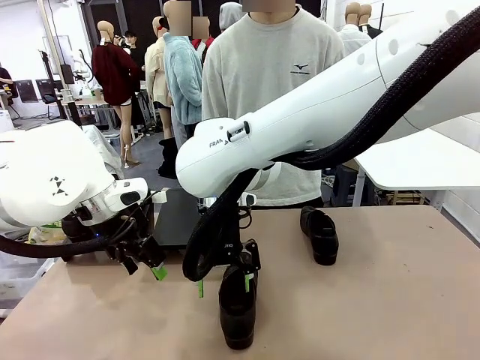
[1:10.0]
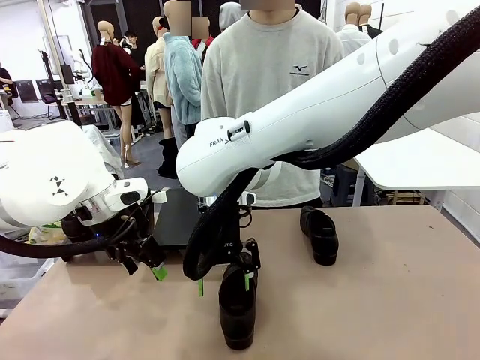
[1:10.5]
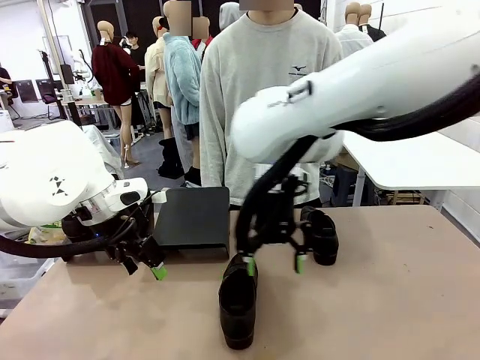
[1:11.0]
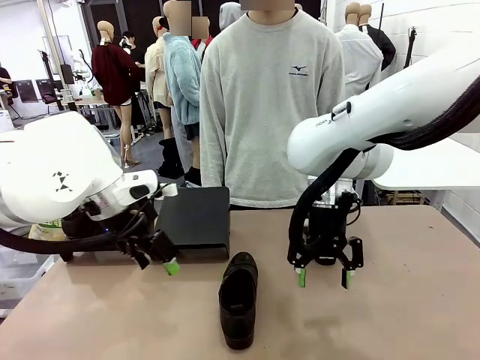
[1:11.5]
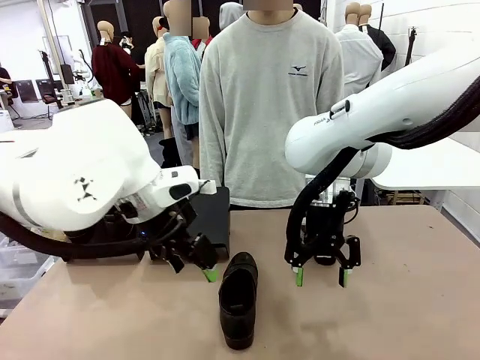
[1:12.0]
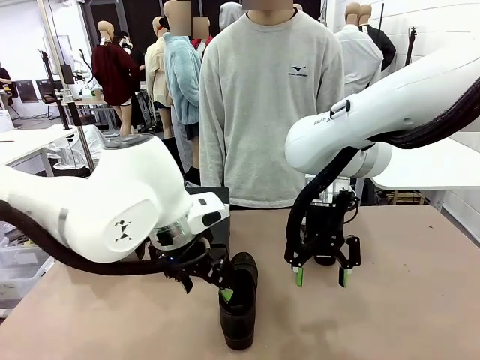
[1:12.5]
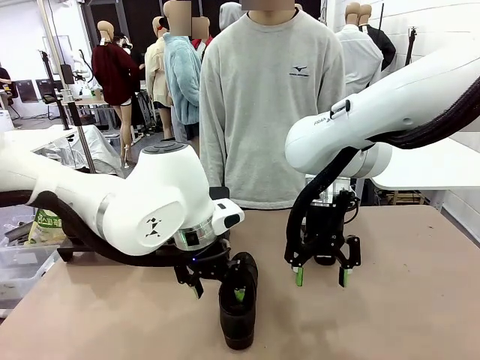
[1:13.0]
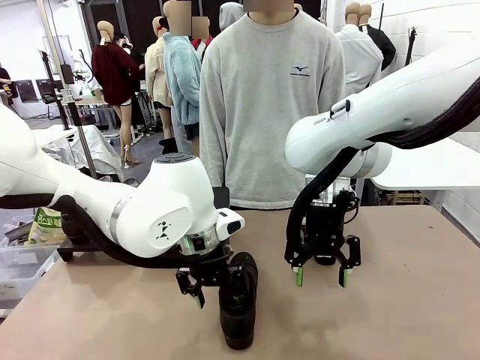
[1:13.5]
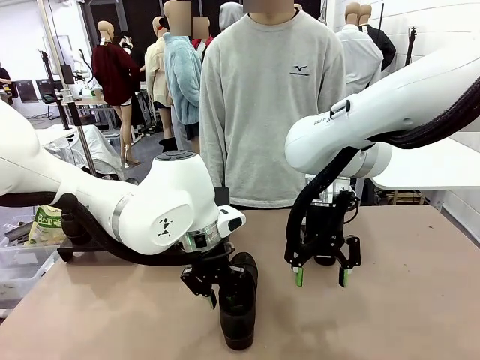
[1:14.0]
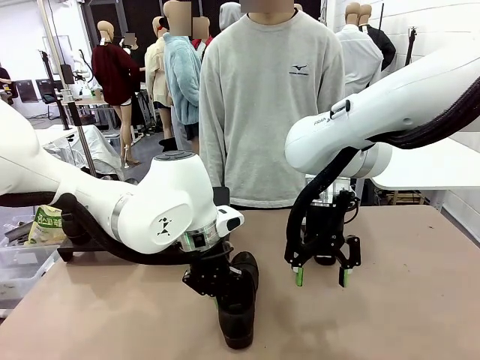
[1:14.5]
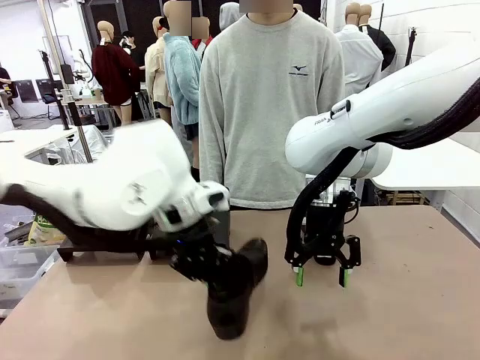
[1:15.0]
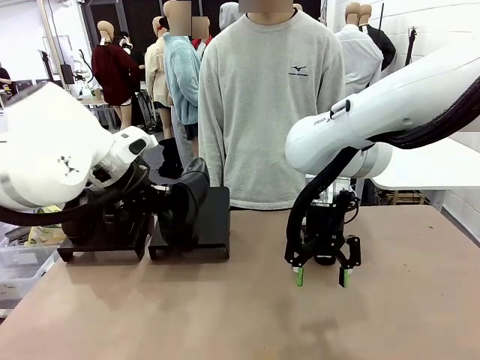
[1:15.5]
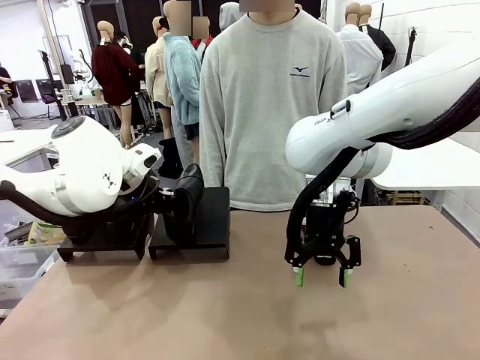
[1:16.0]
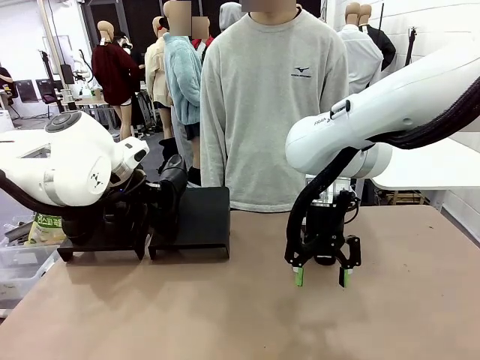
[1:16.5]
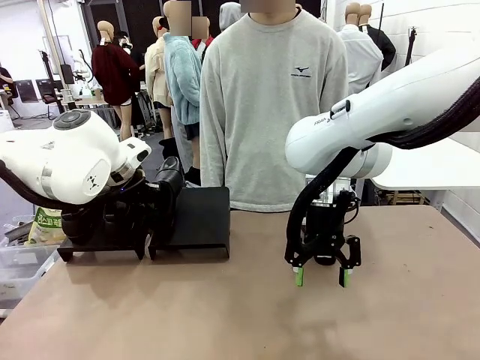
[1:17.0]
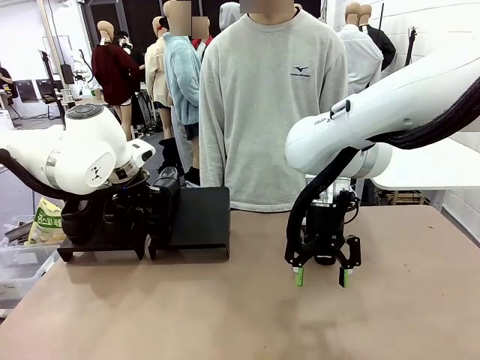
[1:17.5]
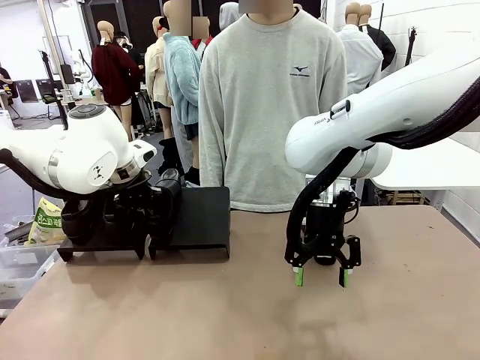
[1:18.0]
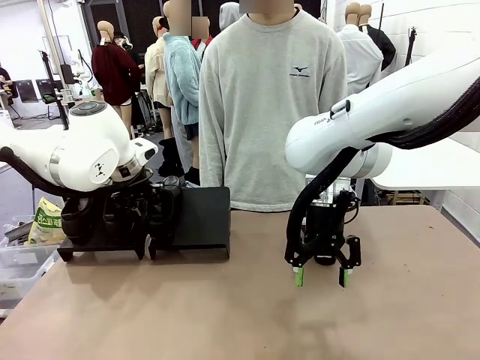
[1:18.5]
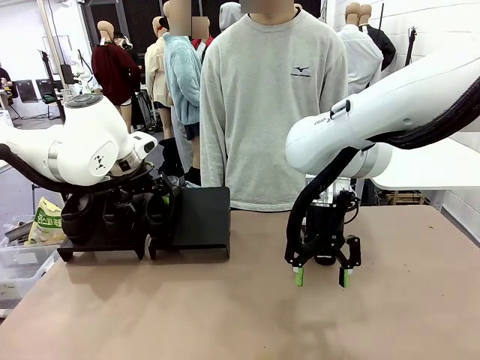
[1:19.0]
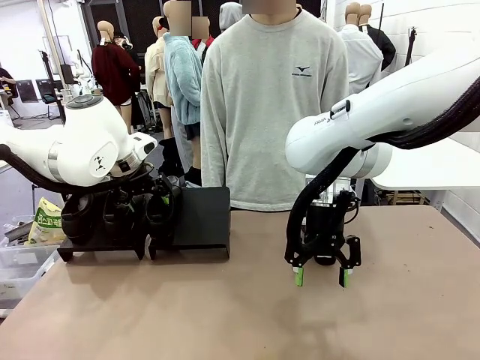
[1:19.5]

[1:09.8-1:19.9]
Task: Organize the shoes by placing them on the stand.
Robot: Place the Shoe from the middle of the table onto the Shoes Stand.

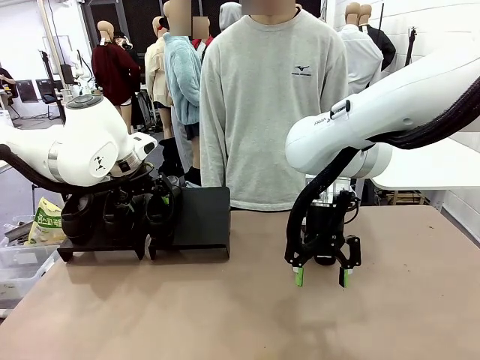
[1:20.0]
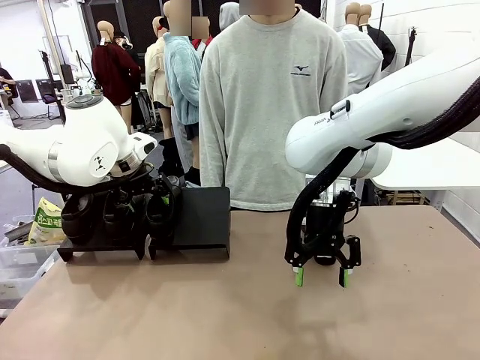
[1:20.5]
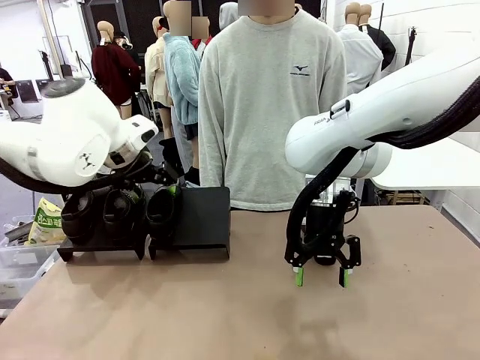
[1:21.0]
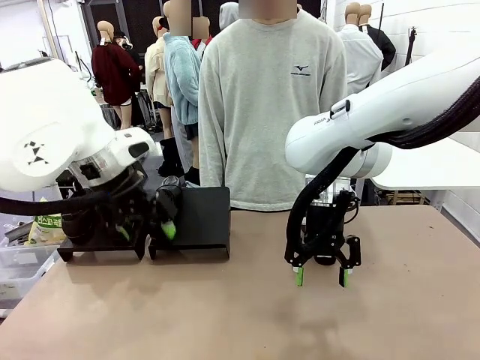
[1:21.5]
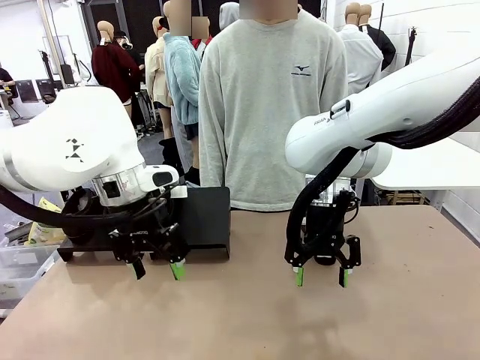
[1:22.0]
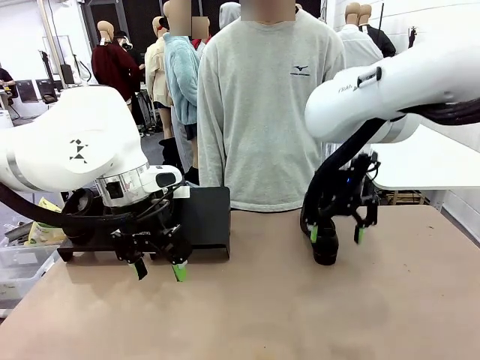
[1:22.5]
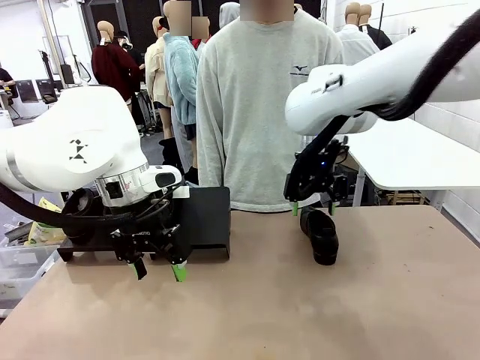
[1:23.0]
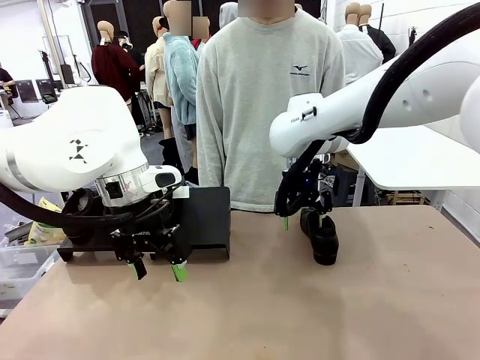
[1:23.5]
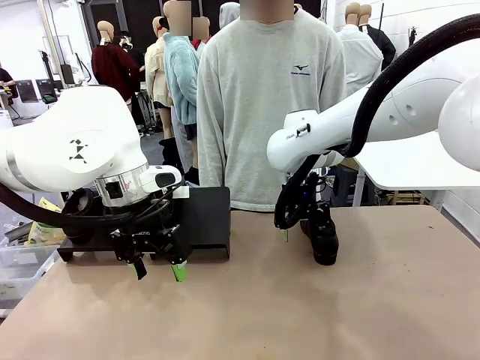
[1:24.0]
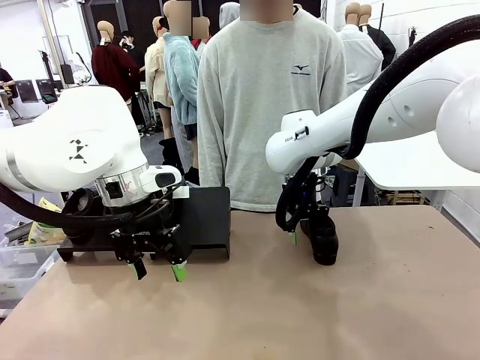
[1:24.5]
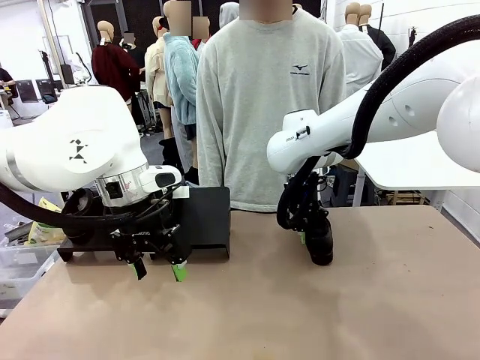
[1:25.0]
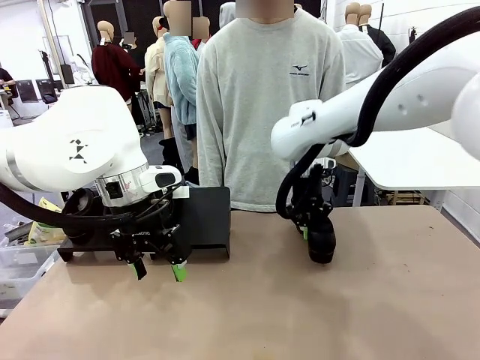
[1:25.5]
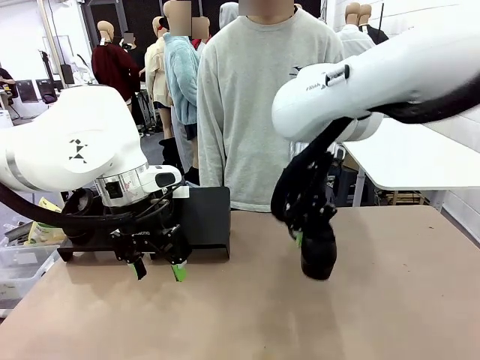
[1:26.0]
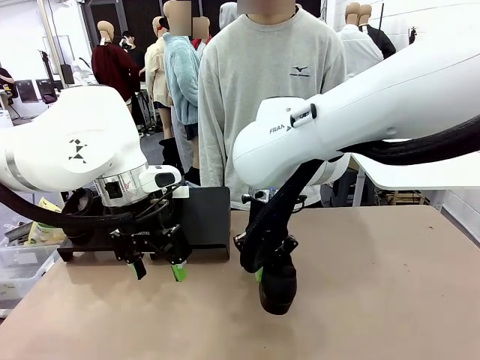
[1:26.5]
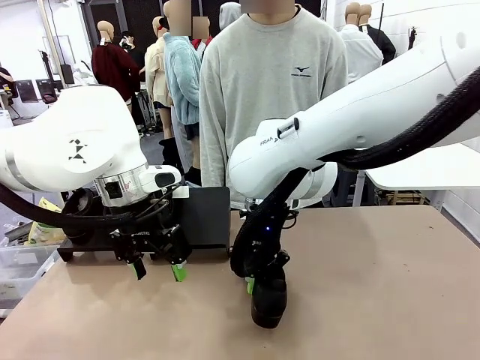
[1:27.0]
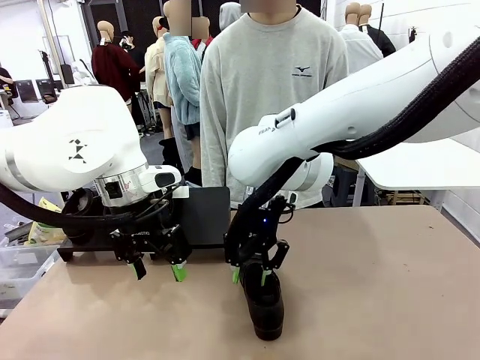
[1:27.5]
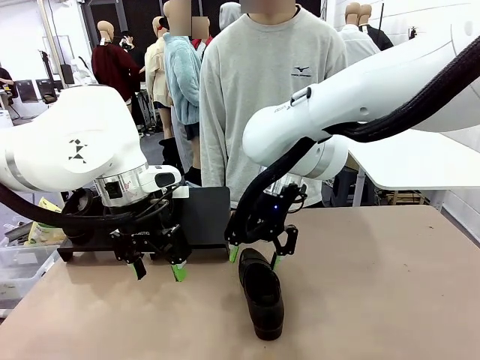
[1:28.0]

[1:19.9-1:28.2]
Robot: Pick up one Shoe and place it in the middle of the table.

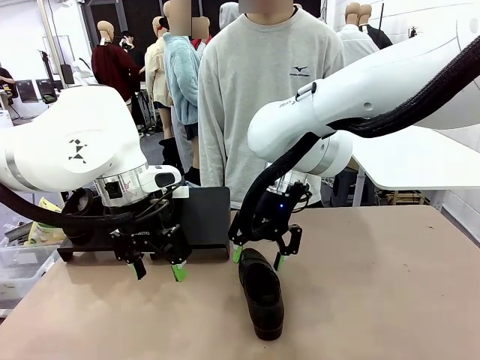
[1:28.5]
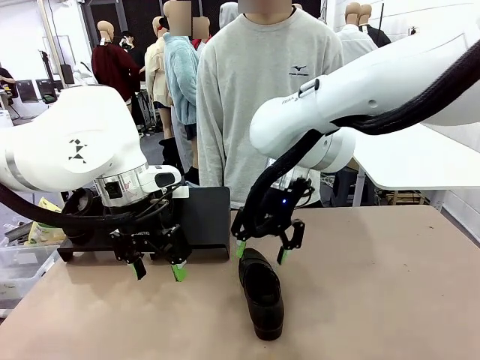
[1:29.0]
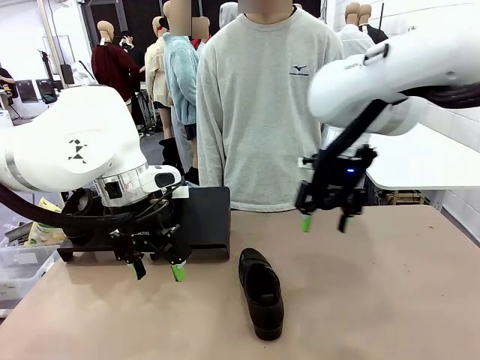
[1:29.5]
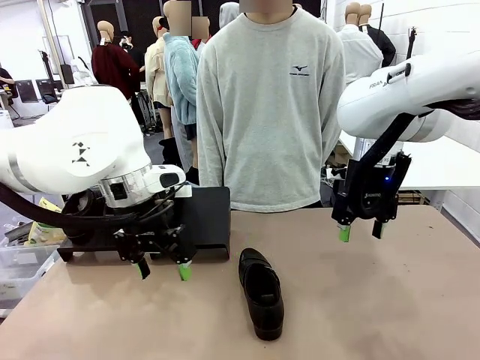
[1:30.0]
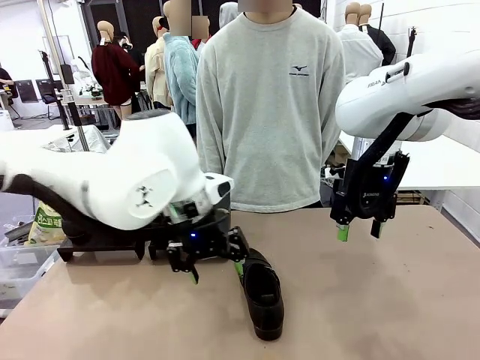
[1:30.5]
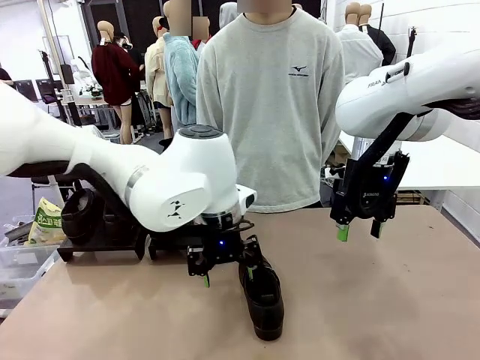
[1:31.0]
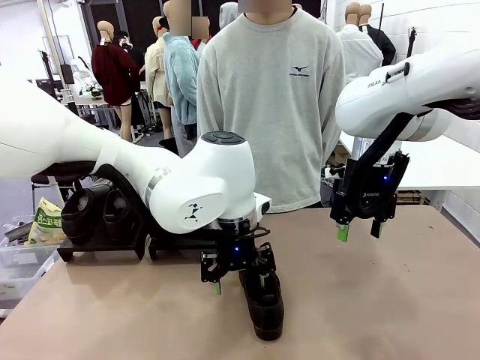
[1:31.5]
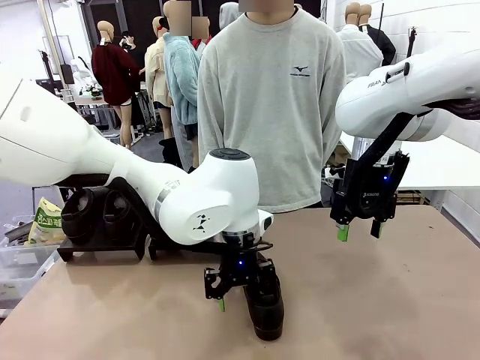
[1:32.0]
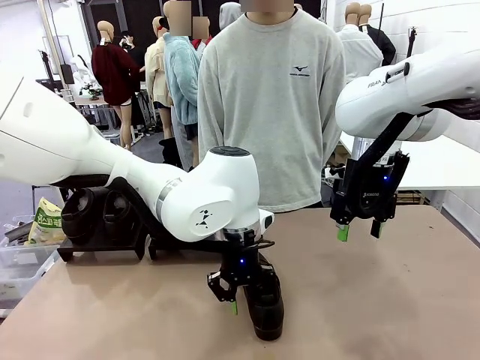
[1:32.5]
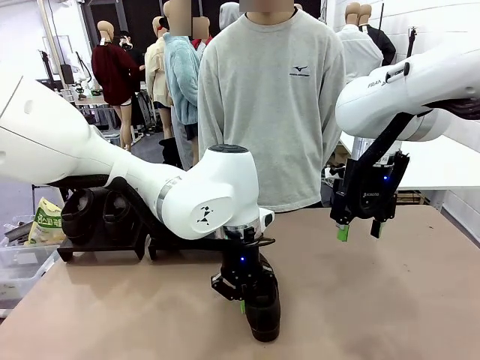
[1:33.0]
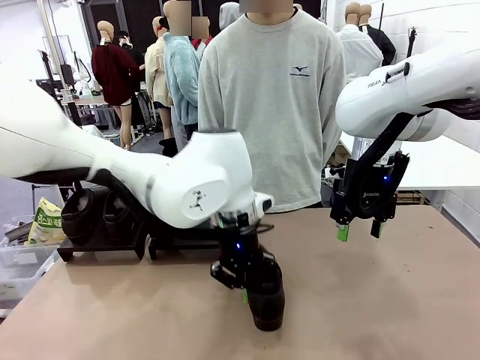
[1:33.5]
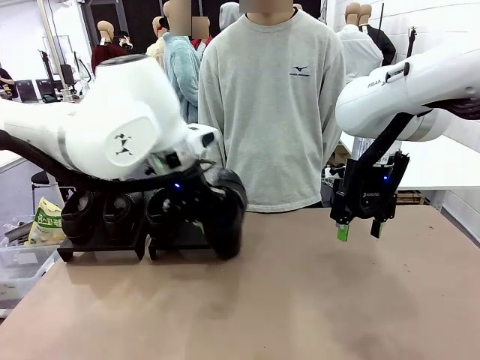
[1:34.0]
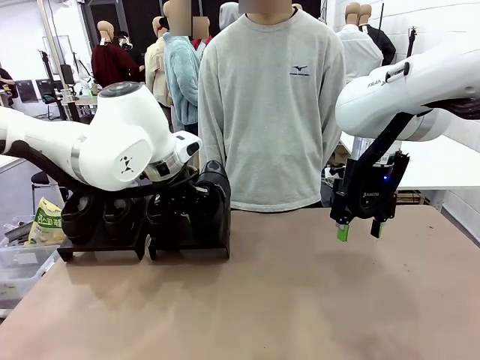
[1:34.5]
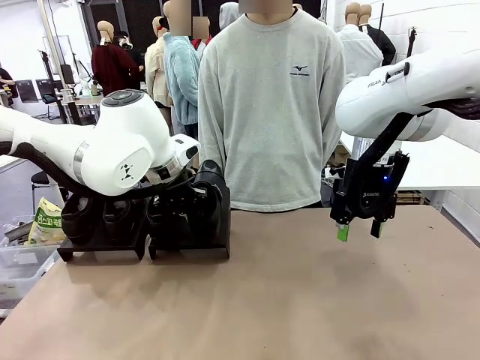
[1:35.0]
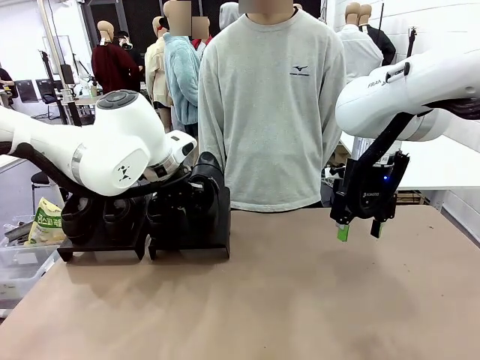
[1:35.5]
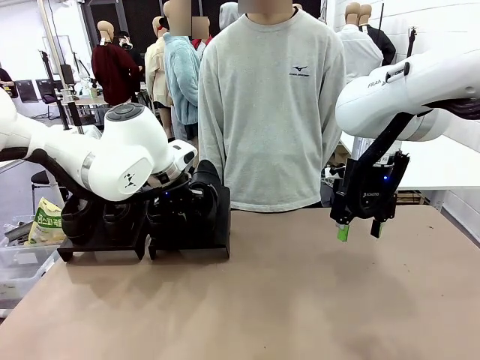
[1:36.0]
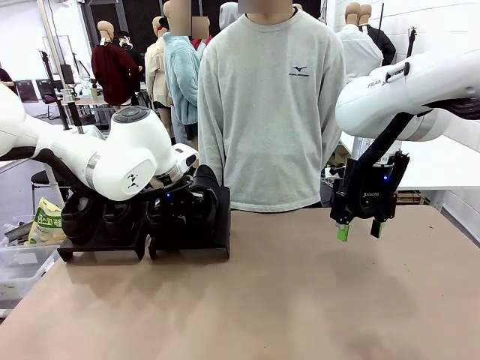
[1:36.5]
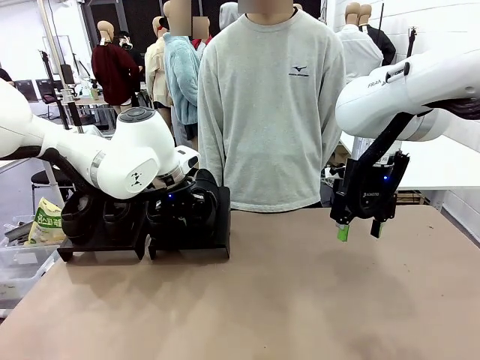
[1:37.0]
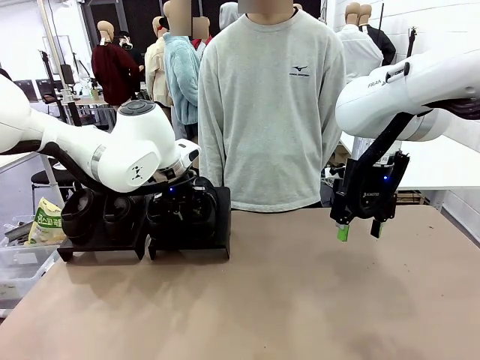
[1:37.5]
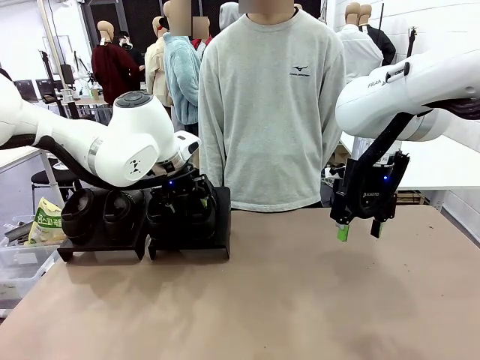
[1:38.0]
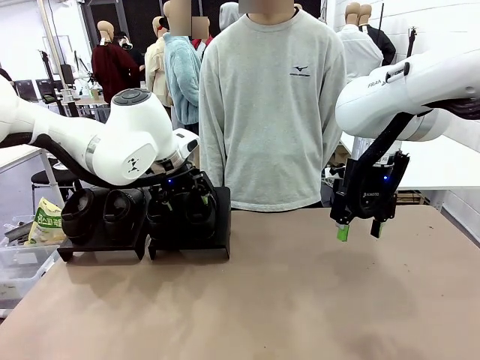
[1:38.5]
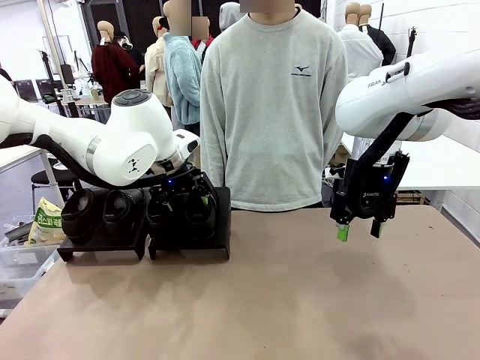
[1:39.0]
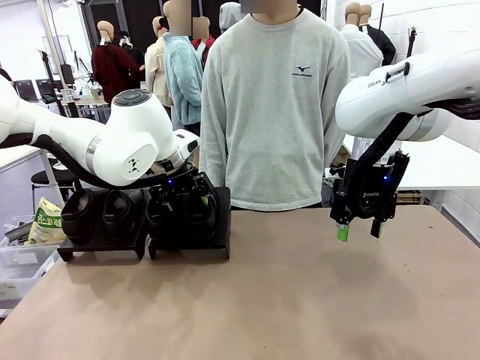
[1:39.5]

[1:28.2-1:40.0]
Robot: Place the Shoe from the middle of the table onto the Shoes Stand.
